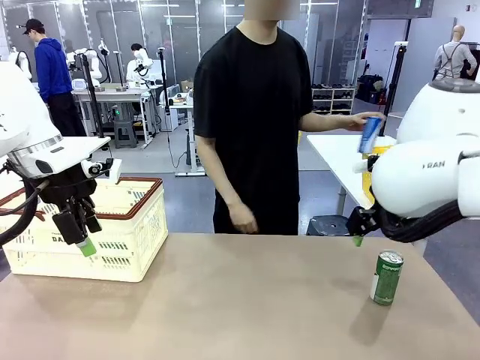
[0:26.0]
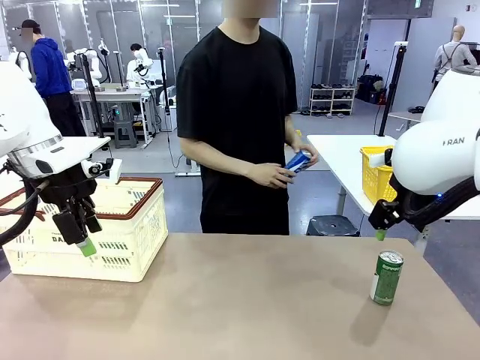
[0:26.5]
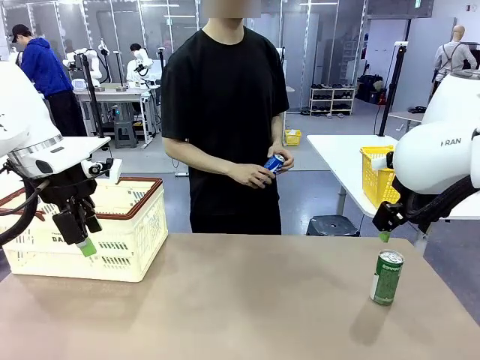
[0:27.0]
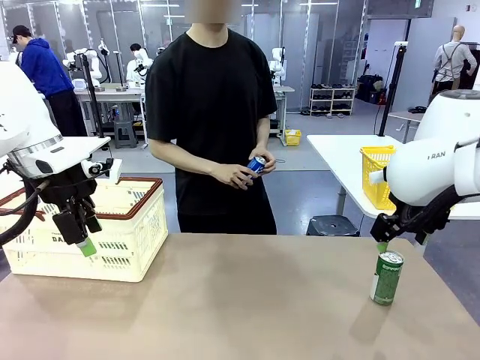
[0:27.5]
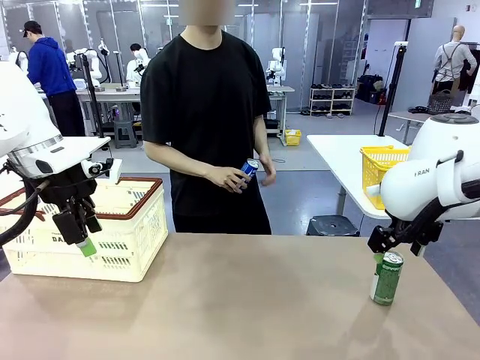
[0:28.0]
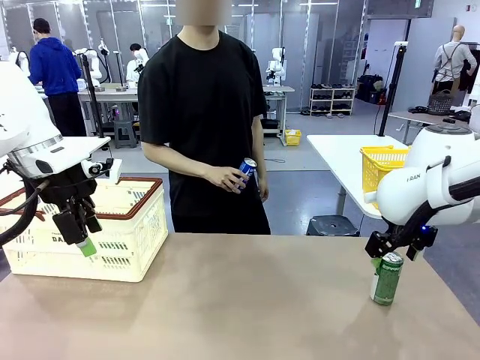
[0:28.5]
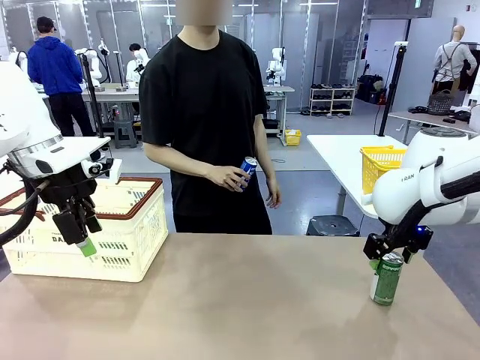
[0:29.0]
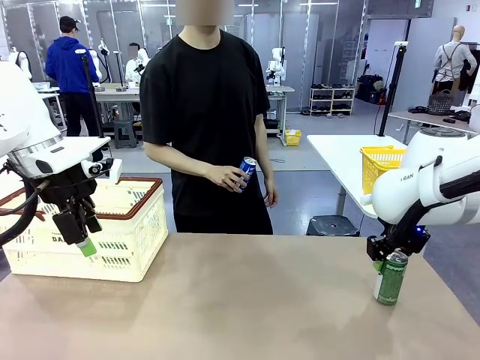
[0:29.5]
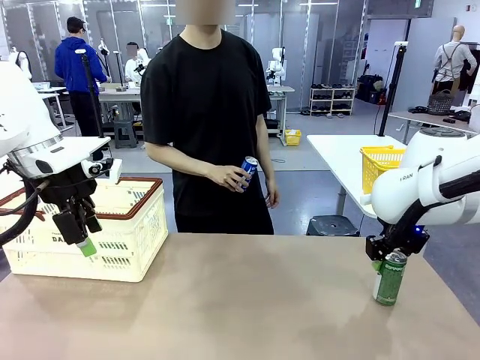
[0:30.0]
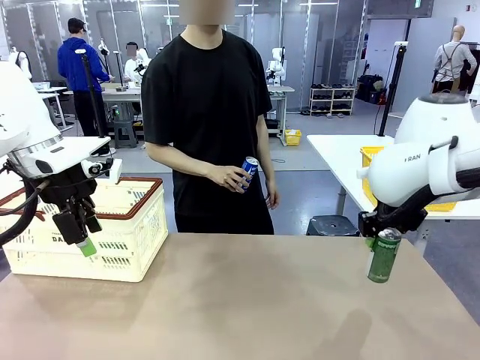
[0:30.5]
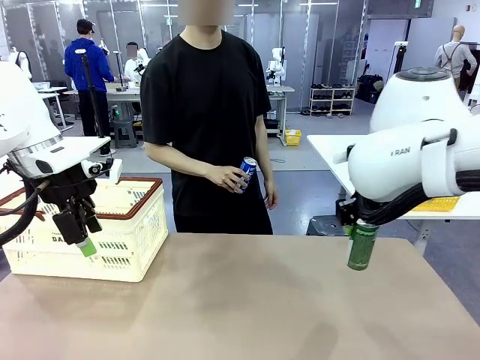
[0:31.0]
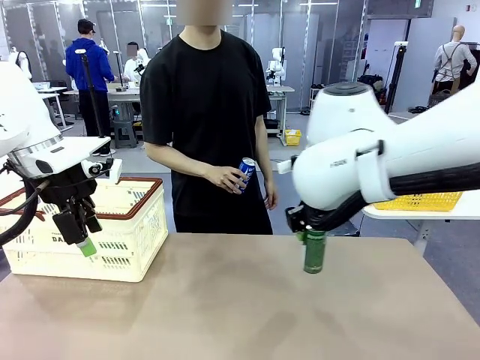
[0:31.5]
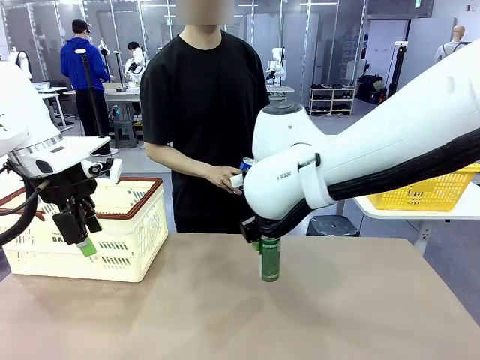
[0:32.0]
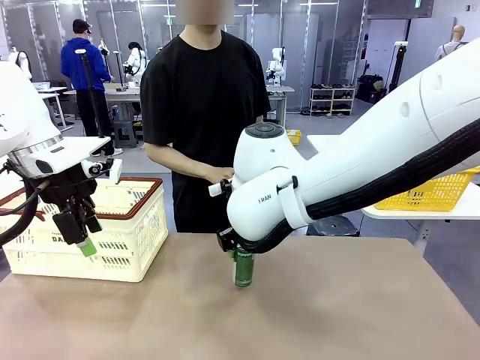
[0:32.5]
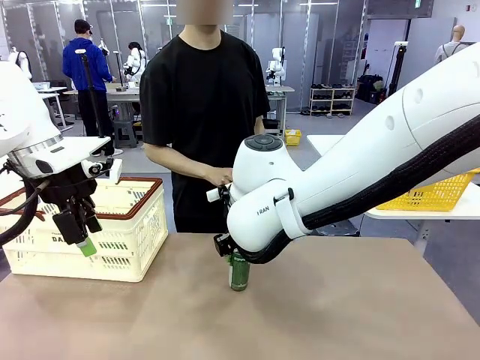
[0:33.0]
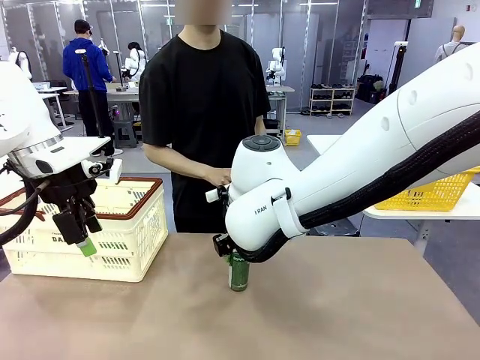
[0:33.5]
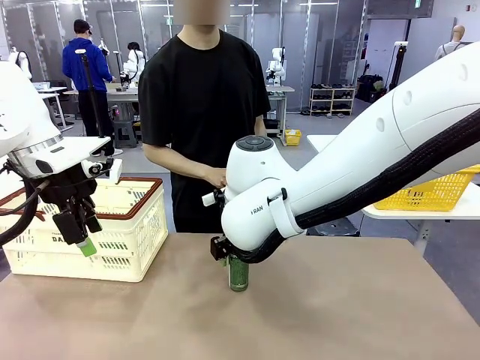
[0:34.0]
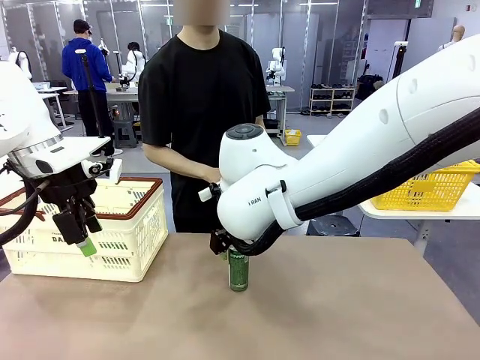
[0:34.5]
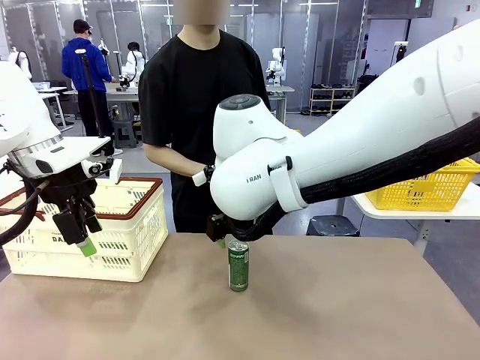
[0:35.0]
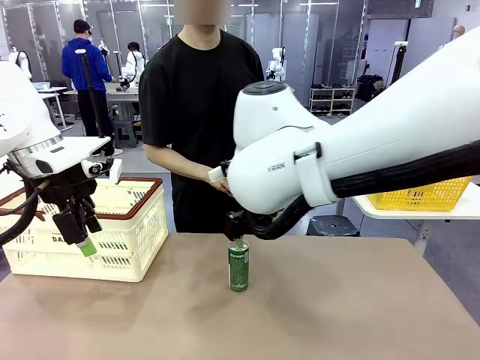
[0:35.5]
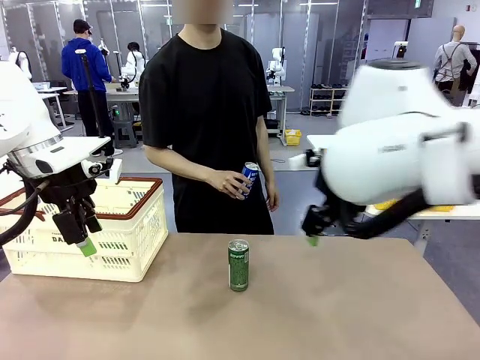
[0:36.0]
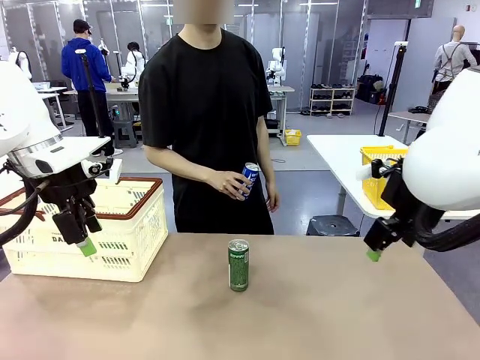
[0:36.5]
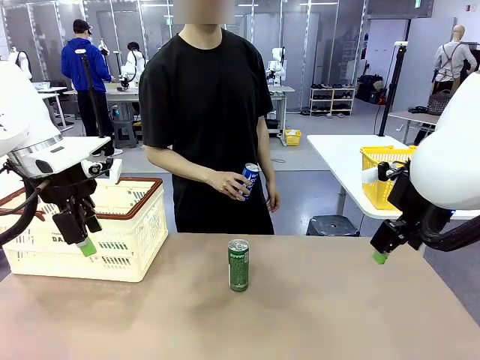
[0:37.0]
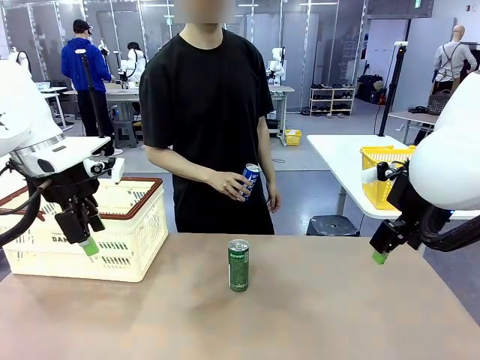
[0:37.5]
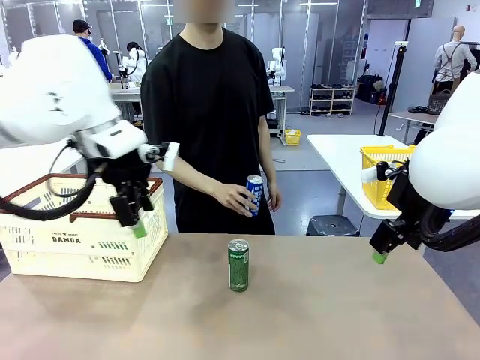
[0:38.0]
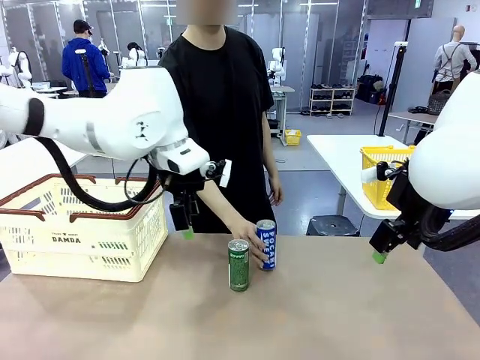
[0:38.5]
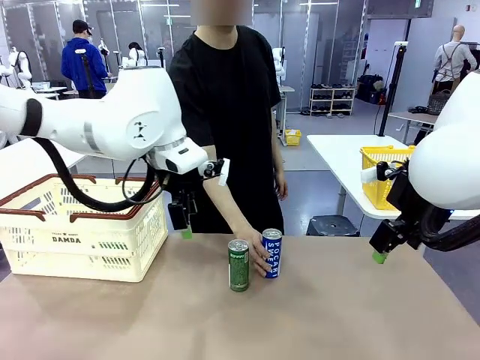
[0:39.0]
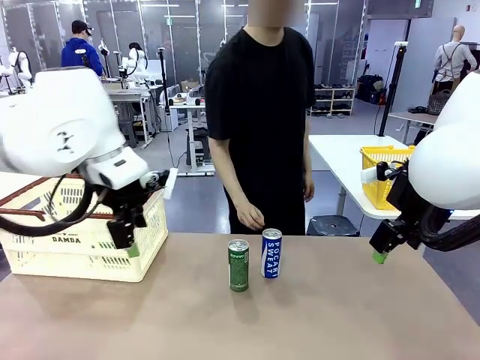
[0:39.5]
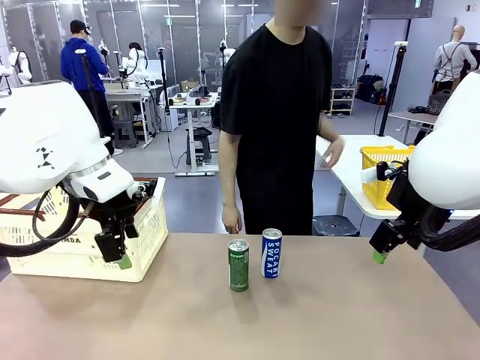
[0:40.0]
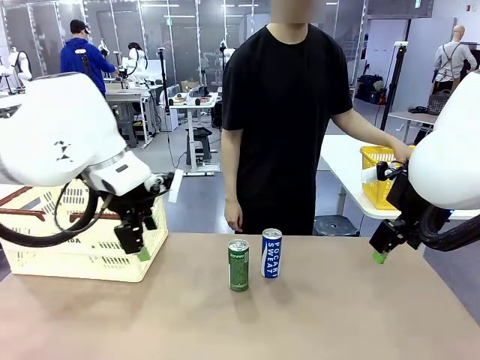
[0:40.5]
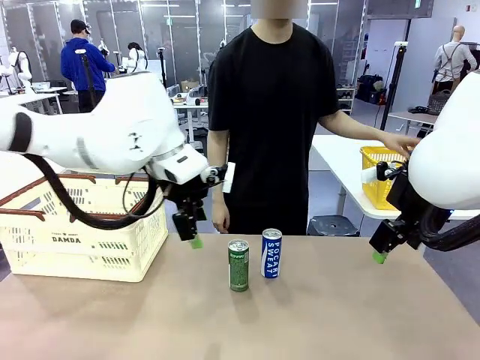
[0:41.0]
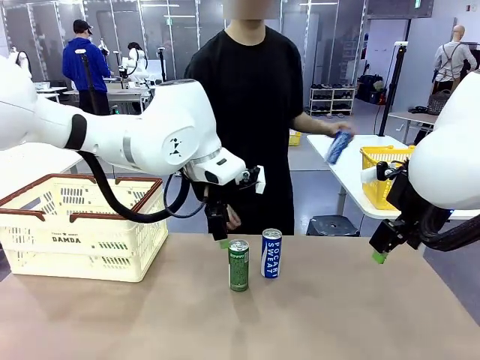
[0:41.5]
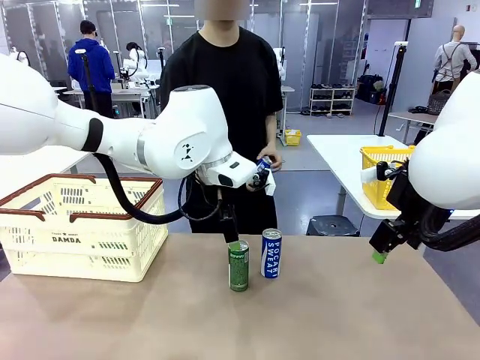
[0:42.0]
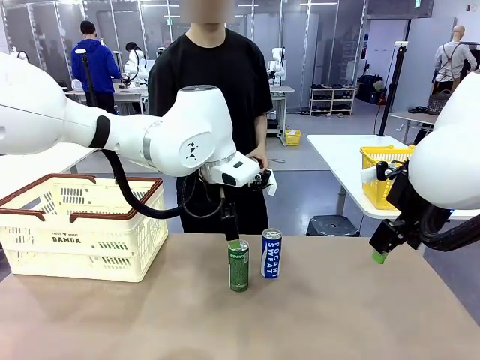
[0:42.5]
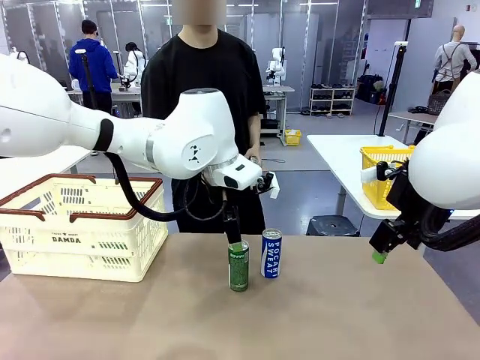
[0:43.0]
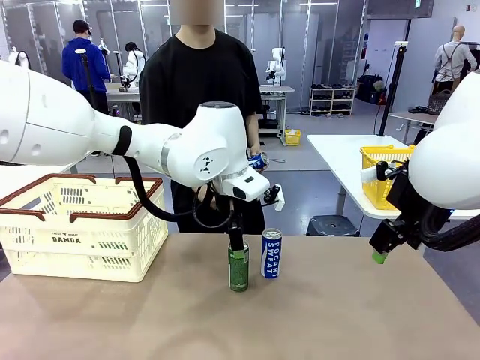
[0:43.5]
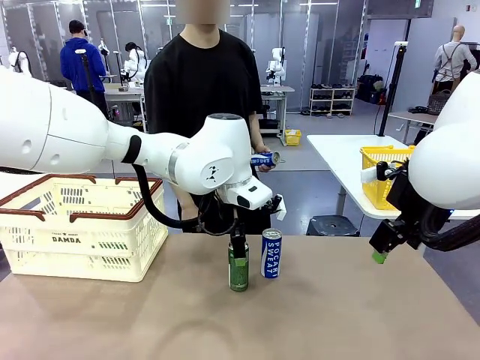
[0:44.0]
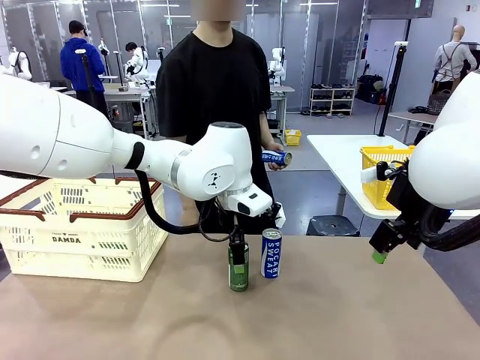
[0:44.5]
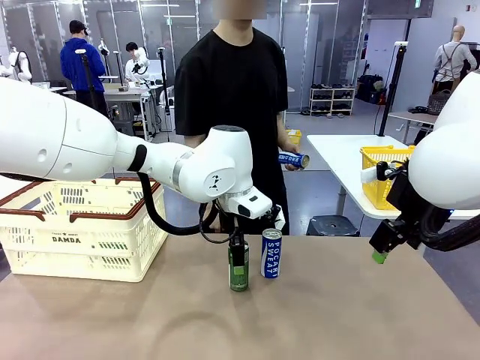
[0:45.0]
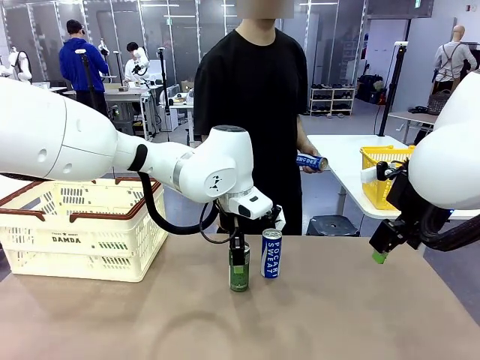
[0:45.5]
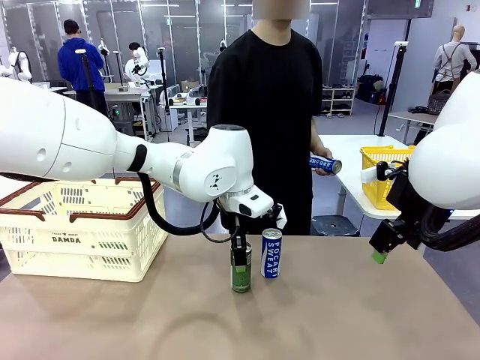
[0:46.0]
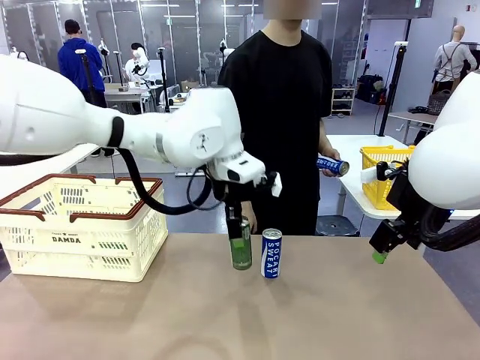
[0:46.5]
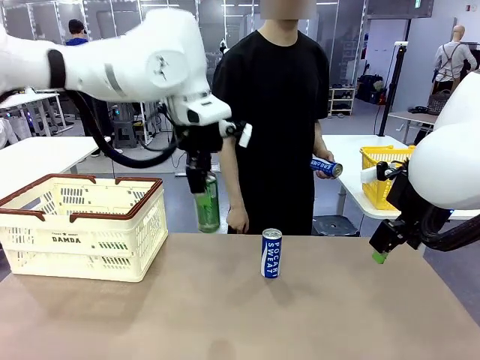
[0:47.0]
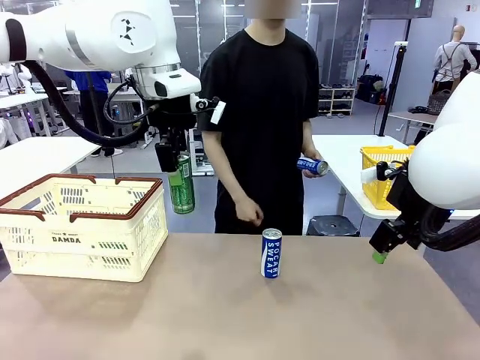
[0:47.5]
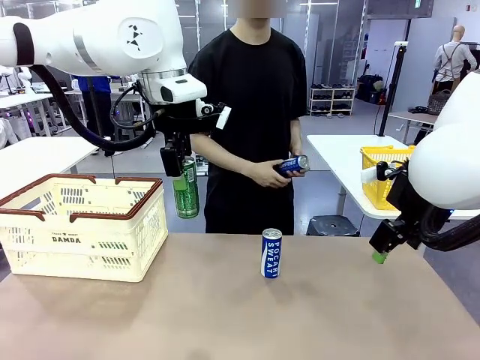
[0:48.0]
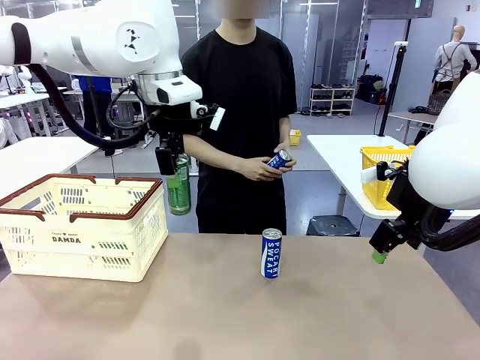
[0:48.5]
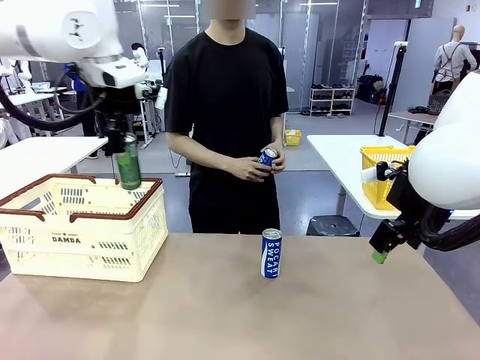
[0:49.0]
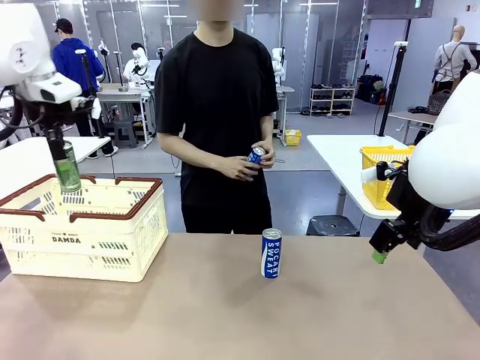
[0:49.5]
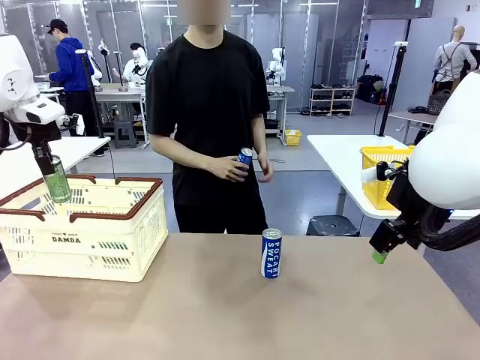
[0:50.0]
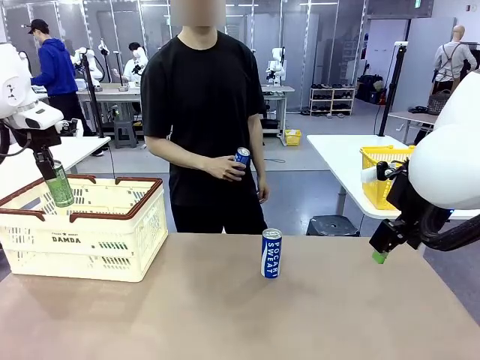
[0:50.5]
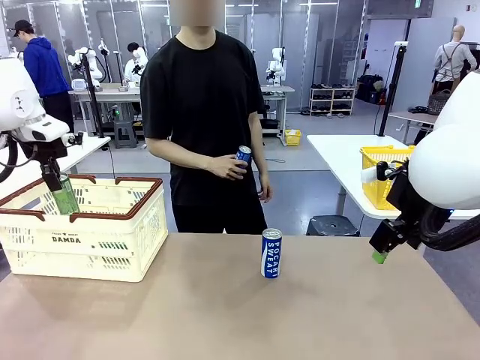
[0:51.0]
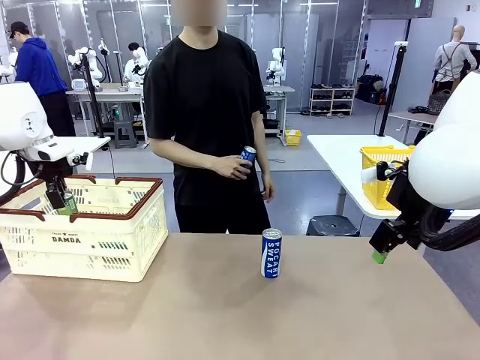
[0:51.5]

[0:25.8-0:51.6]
Task: Place the drinks into the Shopping basket.
Robot: Pick up one drink and place it into the Shopping basket.
